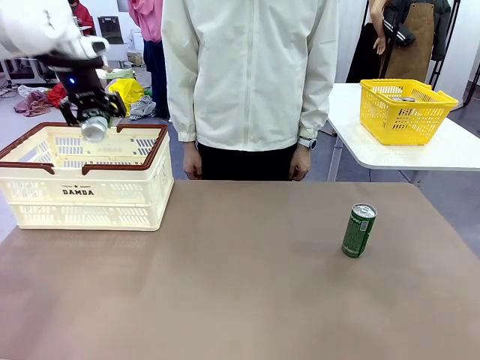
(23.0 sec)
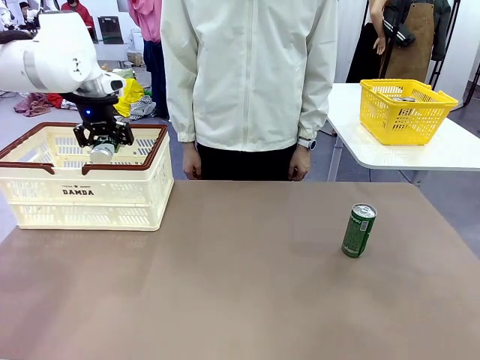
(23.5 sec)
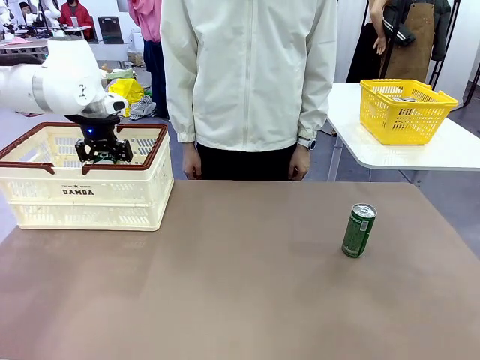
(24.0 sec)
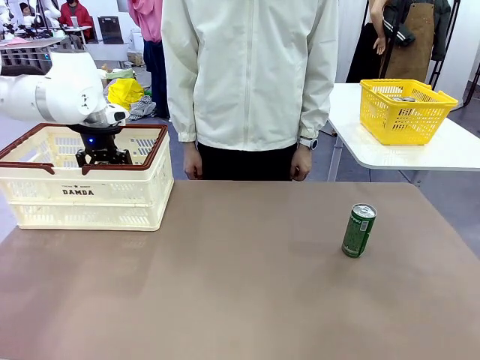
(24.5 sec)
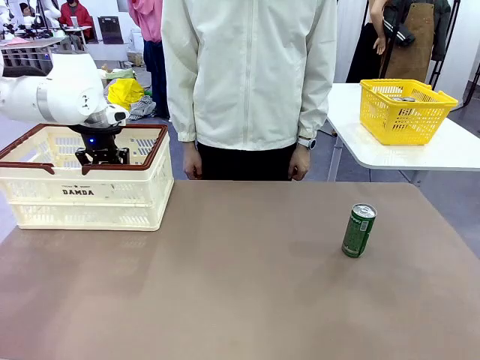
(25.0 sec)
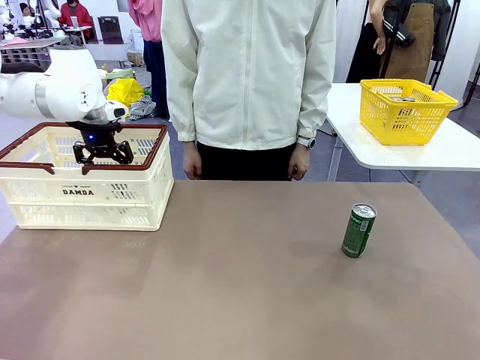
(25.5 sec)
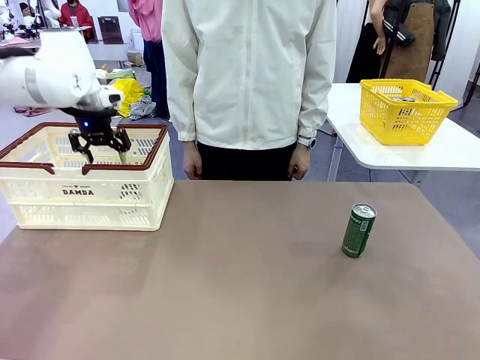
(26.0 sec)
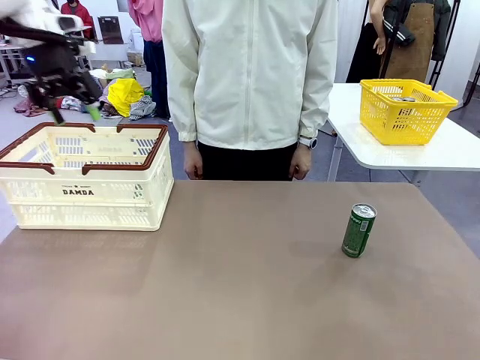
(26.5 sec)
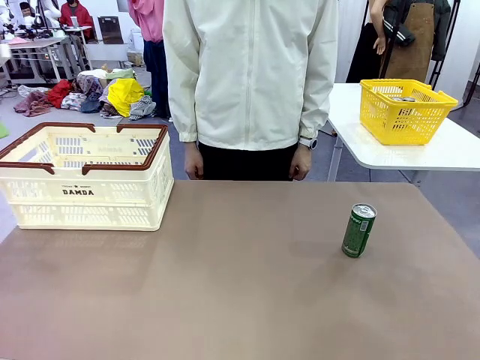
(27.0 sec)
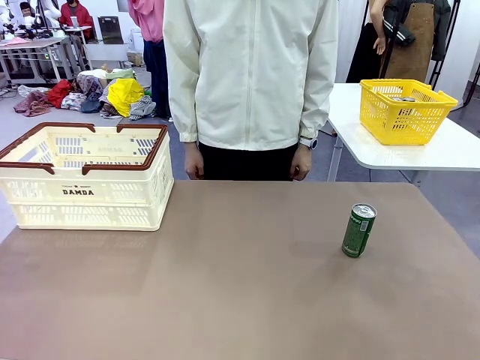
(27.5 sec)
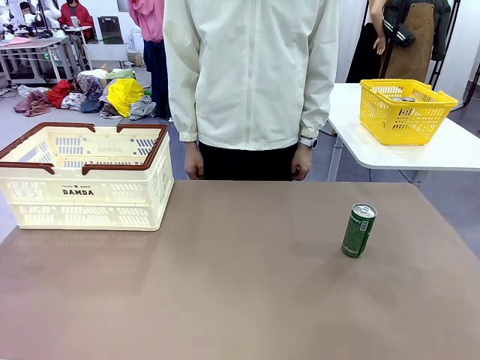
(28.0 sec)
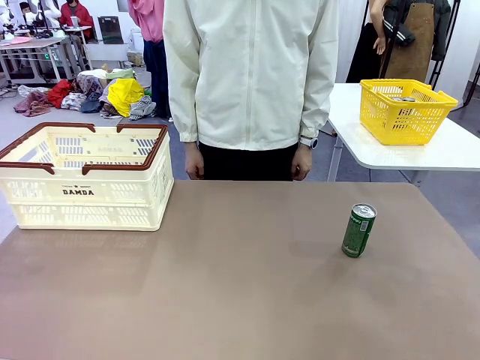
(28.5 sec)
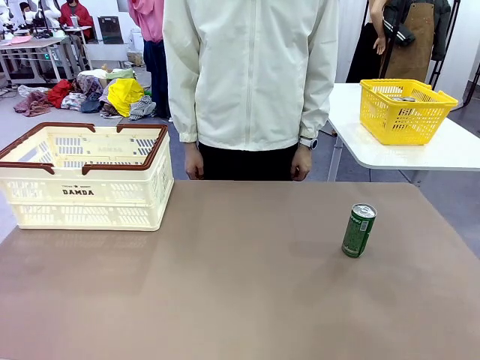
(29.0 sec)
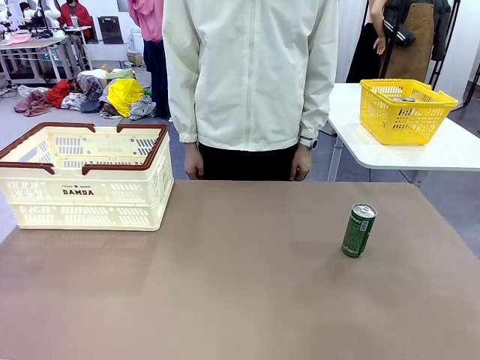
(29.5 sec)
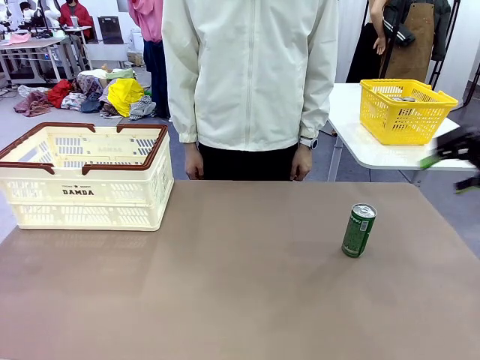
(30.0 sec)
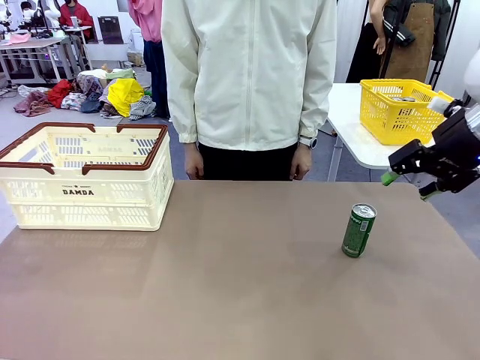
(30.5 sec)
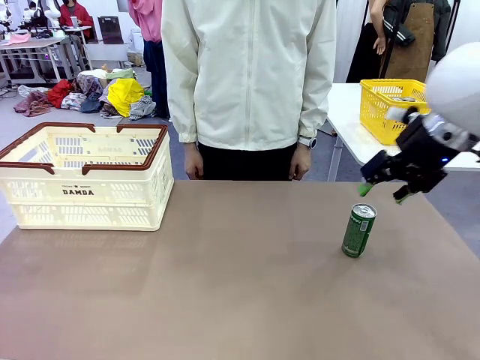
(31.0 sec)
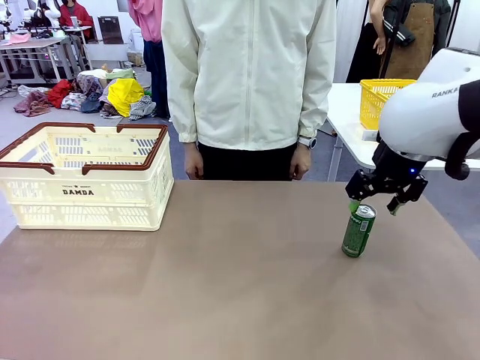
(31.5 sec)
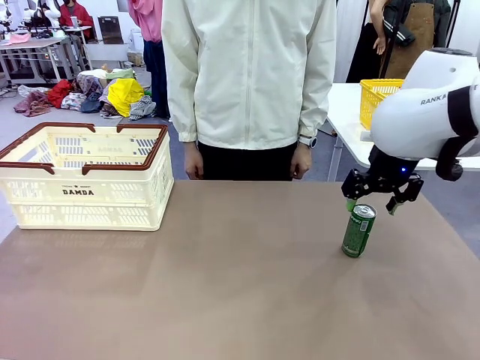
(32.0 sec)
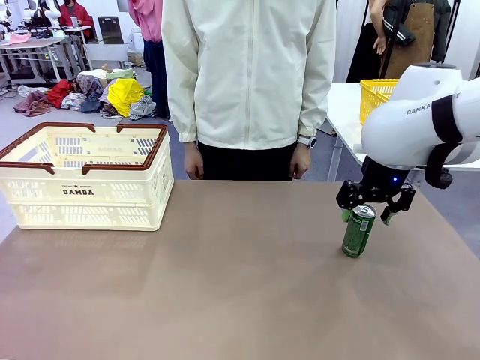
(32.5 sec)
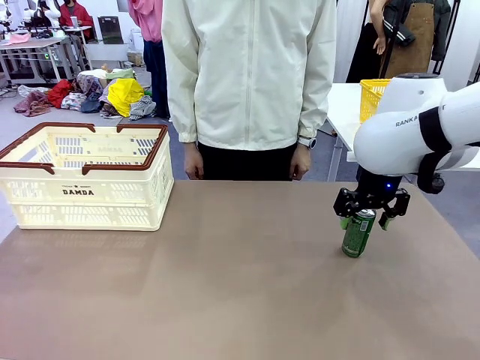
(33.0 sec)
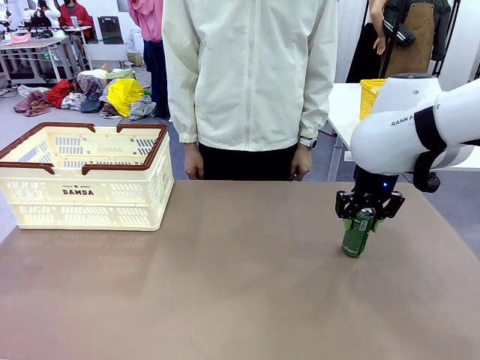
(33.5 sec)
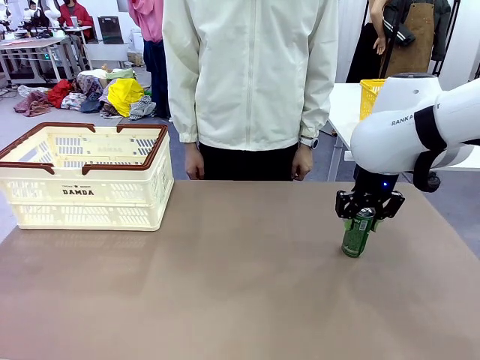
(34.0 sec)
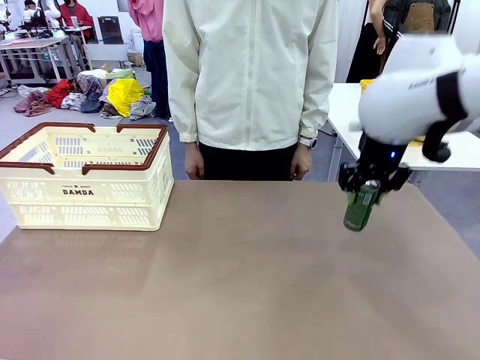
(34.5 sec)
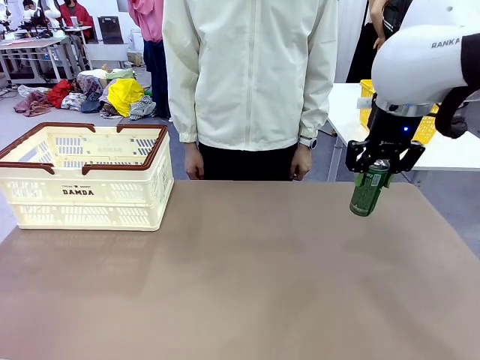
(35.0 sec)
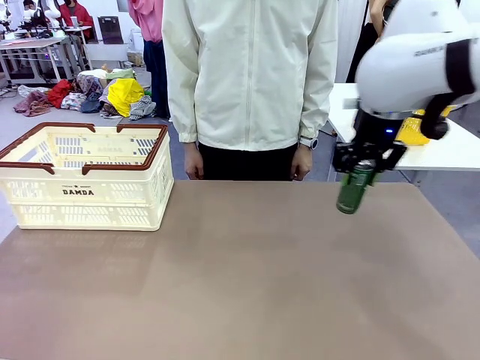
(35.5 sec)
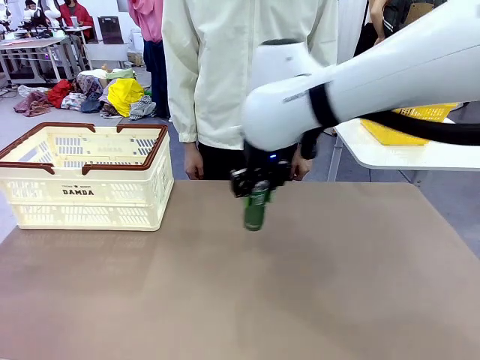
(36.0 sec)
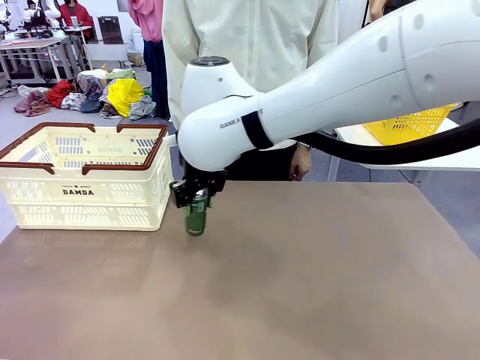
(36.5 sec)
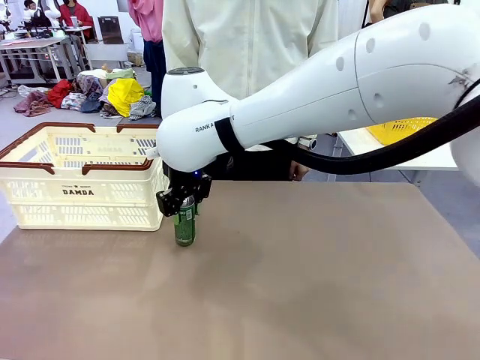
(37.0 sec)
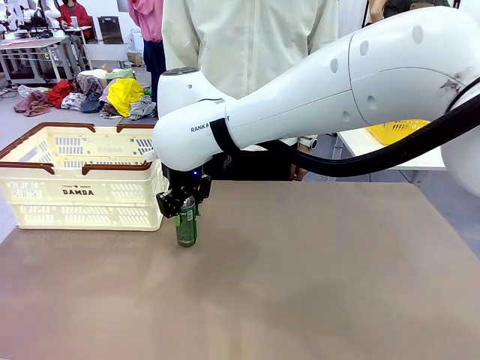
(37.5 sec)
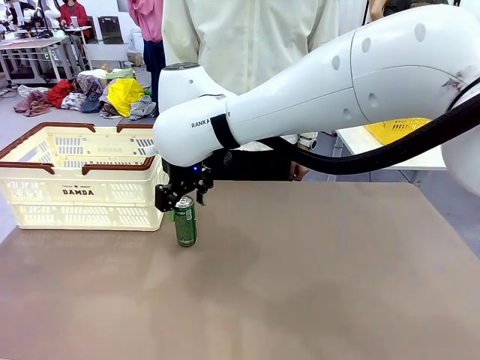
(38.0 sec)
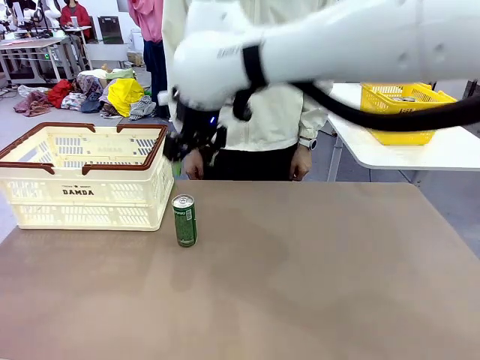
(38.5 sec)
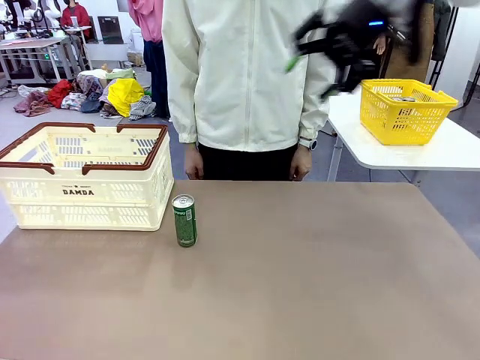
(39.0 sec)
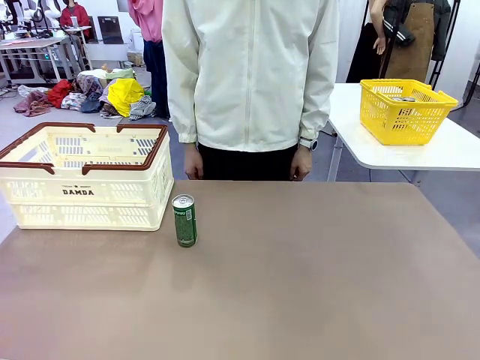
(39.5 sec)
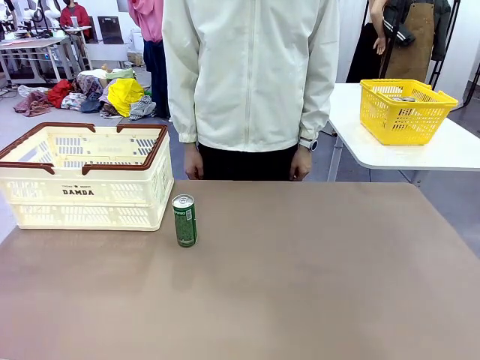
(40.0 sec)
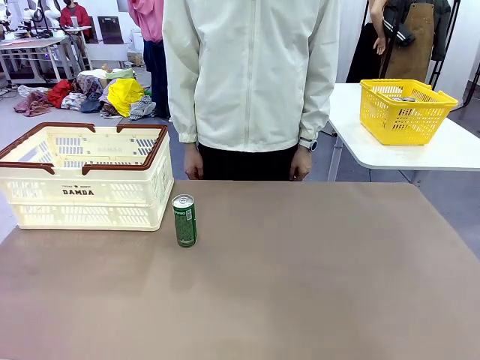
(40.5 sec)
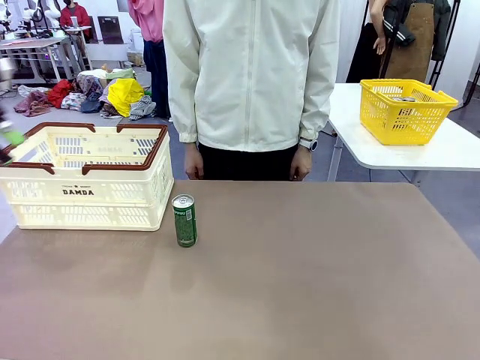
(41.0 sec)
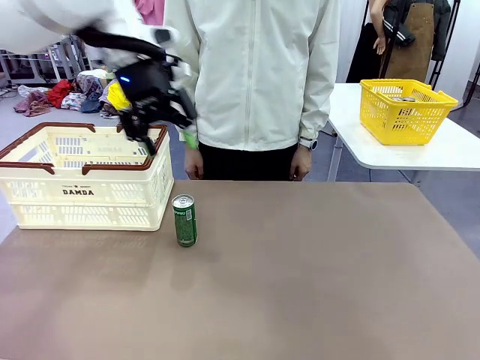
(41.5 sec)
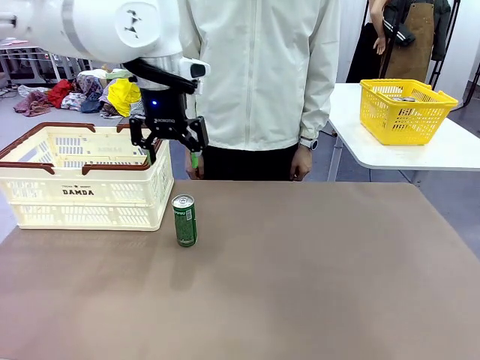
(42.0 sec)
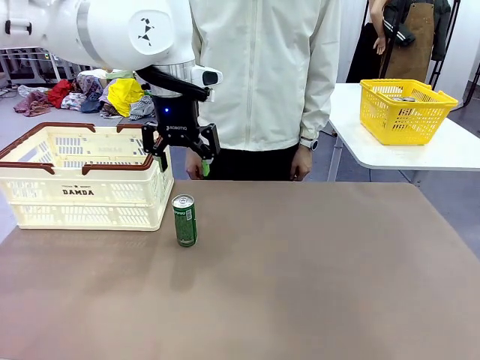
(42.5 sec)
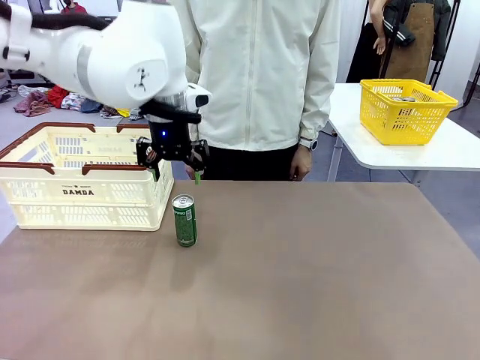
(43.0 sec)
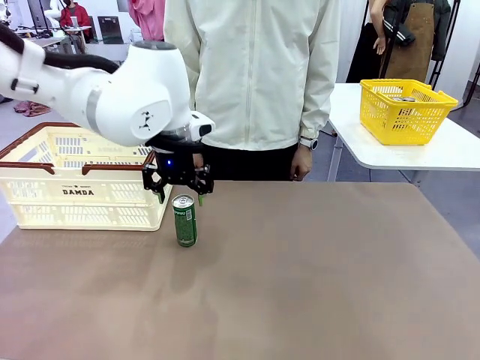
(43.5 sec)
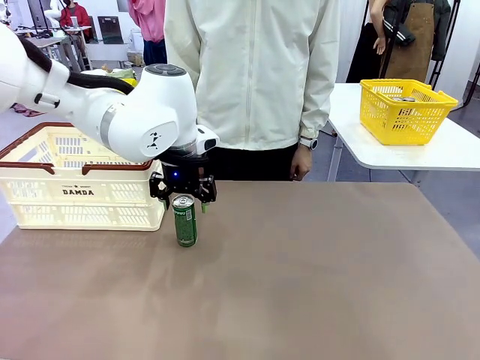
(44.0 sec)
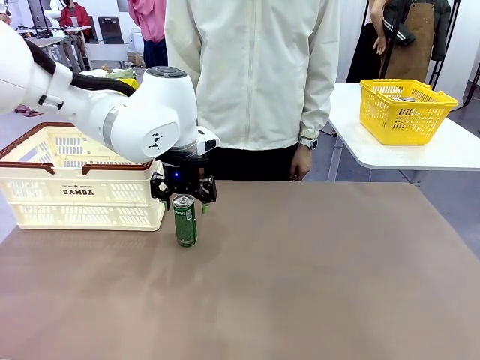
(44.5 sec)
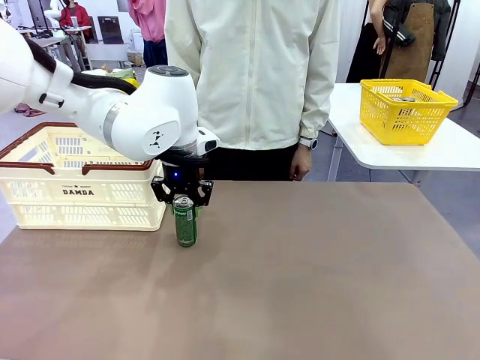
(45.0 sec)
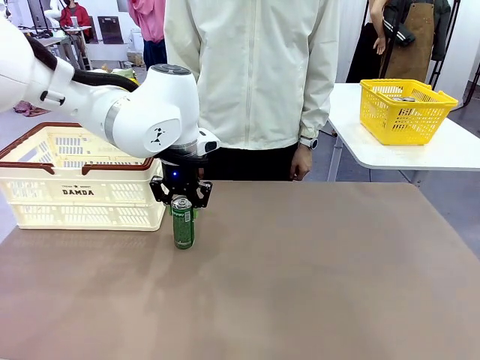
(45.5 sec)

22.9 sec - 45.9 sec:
Task: Place the drinks into the Shopping basket.
Robot: Pick up one drink and place it into the Shopping basket.
